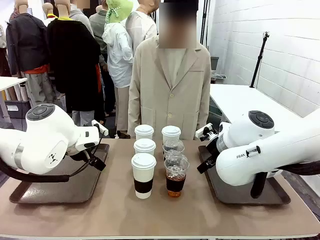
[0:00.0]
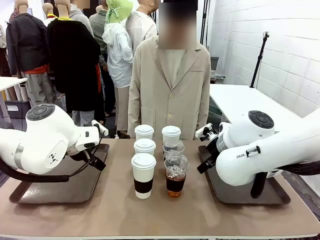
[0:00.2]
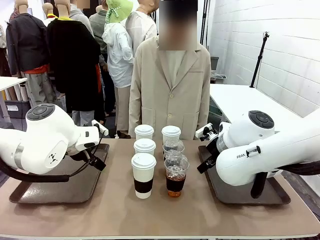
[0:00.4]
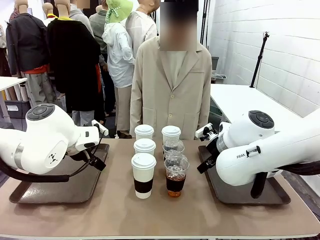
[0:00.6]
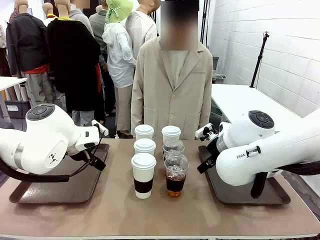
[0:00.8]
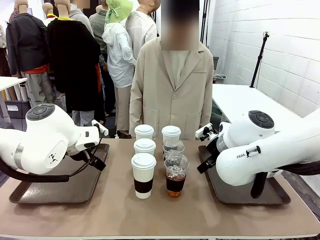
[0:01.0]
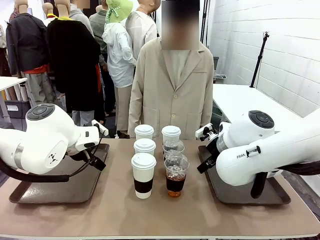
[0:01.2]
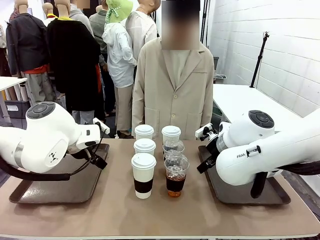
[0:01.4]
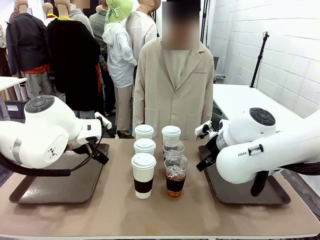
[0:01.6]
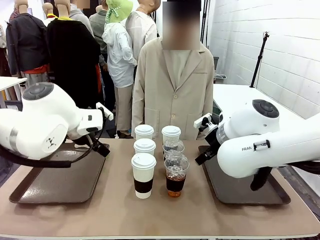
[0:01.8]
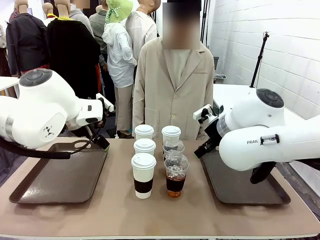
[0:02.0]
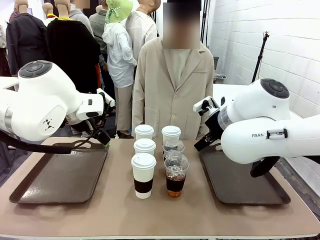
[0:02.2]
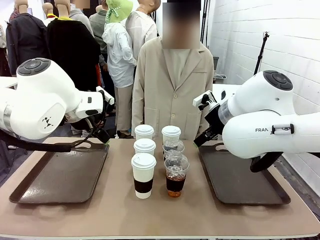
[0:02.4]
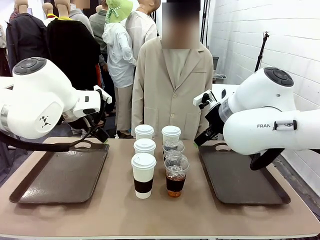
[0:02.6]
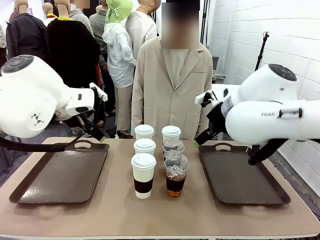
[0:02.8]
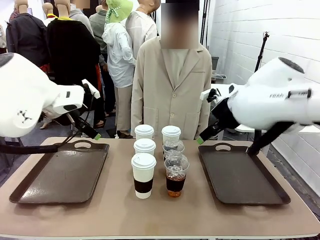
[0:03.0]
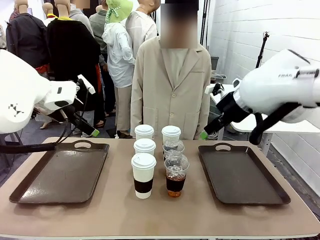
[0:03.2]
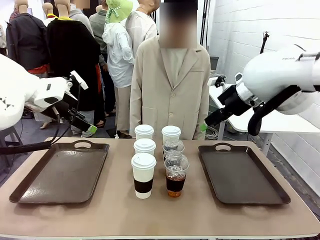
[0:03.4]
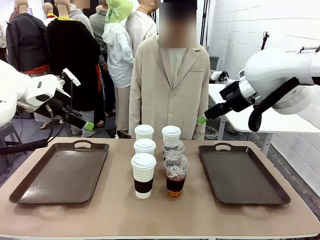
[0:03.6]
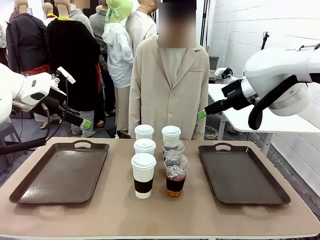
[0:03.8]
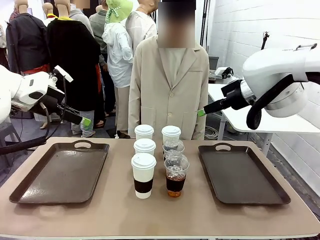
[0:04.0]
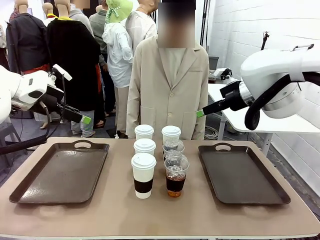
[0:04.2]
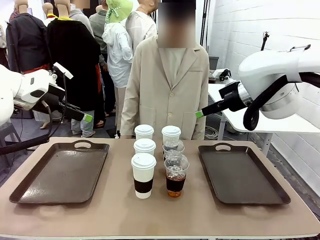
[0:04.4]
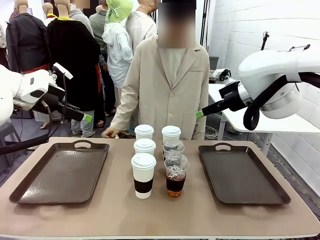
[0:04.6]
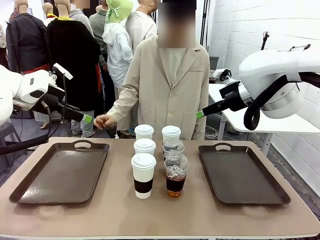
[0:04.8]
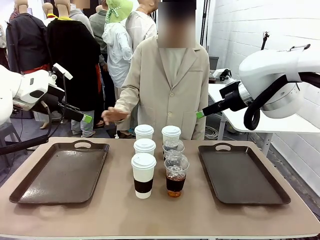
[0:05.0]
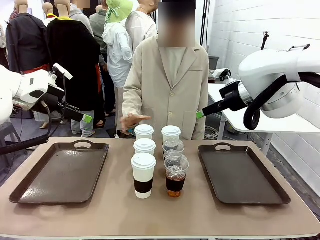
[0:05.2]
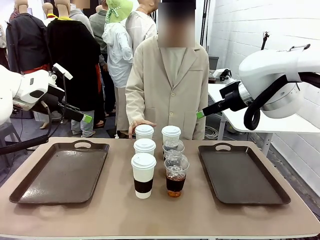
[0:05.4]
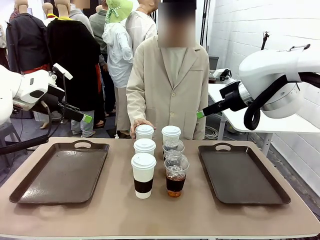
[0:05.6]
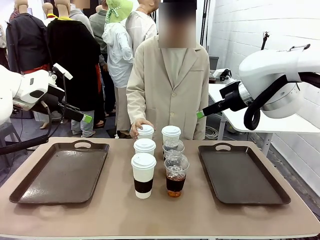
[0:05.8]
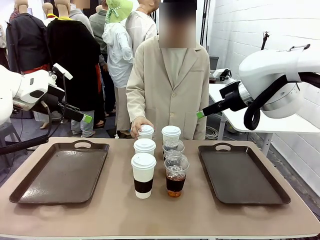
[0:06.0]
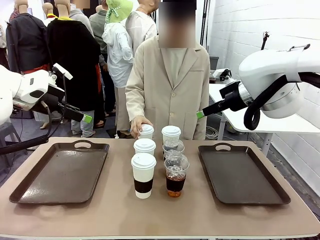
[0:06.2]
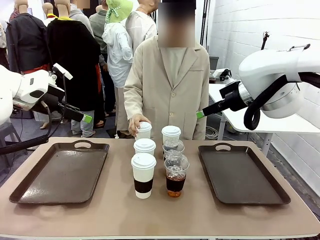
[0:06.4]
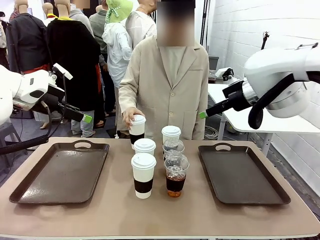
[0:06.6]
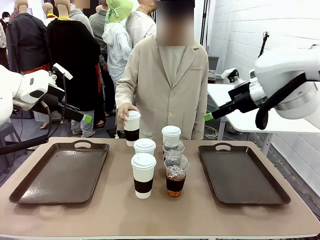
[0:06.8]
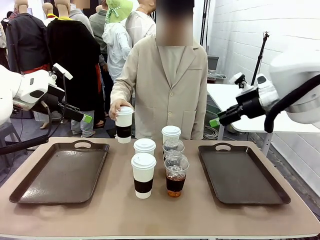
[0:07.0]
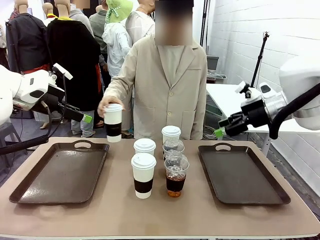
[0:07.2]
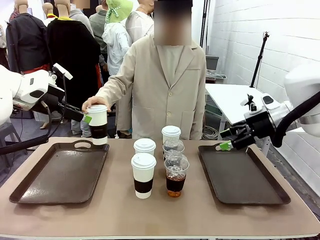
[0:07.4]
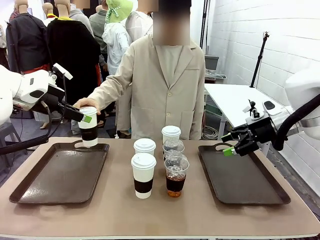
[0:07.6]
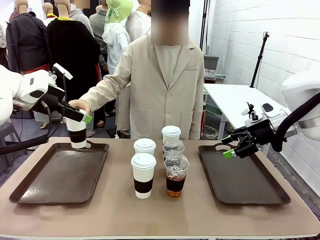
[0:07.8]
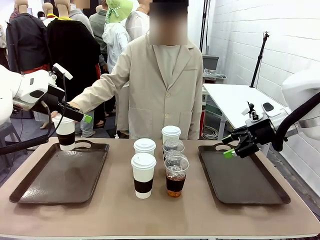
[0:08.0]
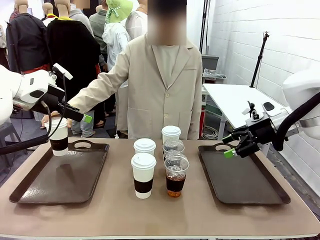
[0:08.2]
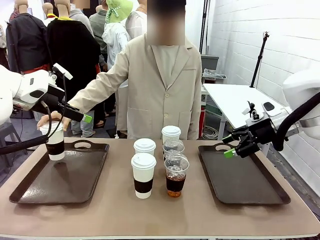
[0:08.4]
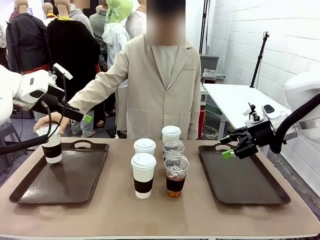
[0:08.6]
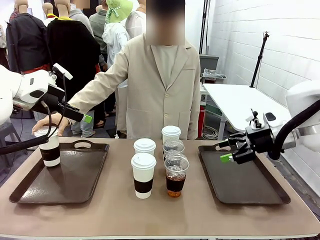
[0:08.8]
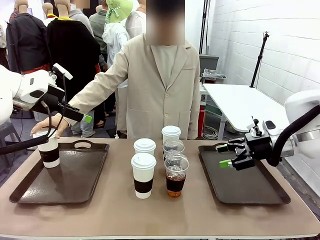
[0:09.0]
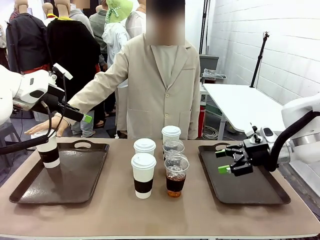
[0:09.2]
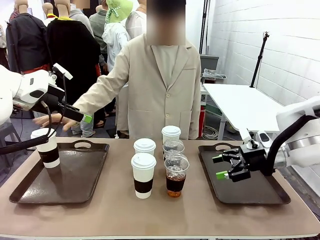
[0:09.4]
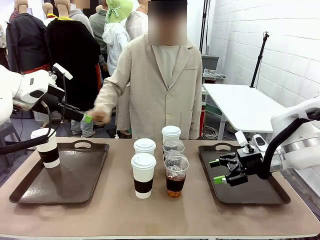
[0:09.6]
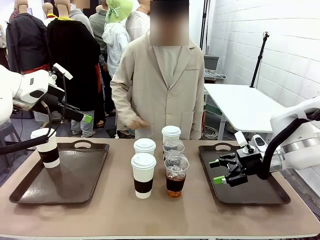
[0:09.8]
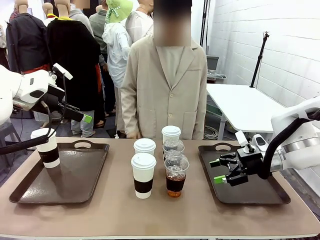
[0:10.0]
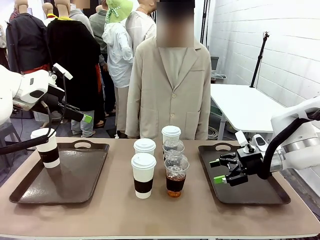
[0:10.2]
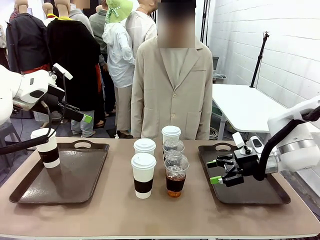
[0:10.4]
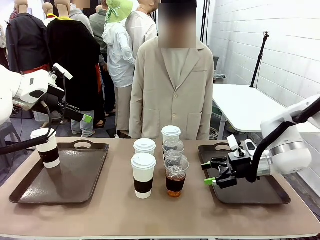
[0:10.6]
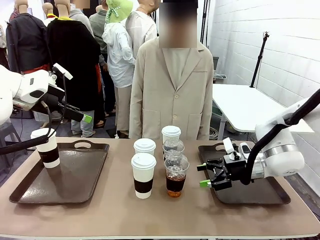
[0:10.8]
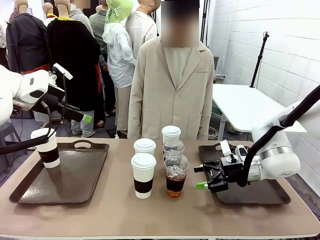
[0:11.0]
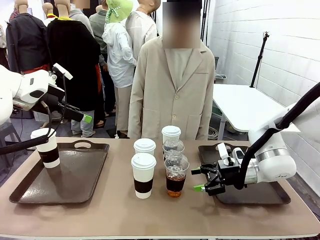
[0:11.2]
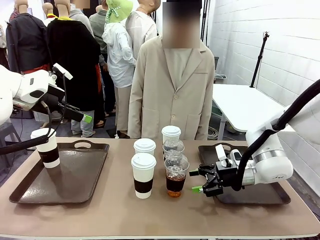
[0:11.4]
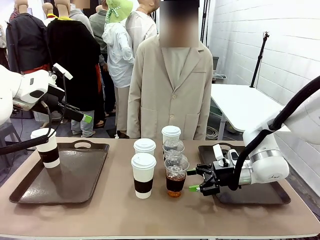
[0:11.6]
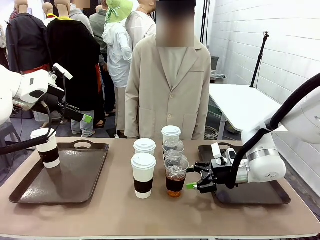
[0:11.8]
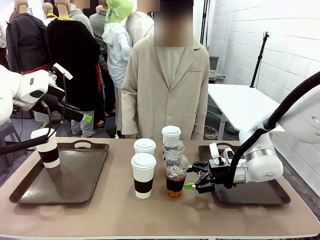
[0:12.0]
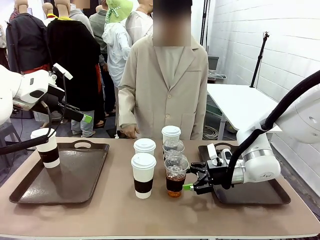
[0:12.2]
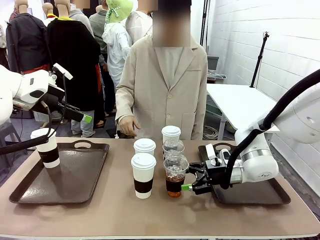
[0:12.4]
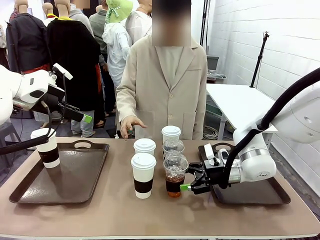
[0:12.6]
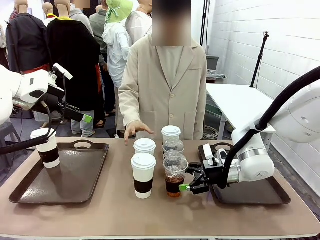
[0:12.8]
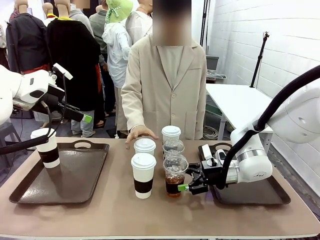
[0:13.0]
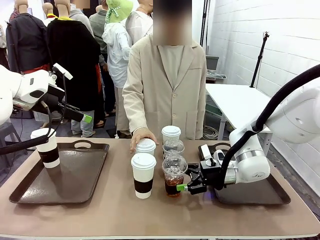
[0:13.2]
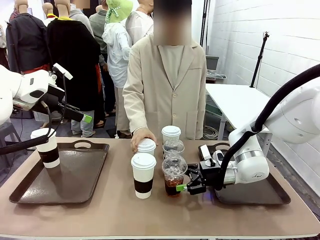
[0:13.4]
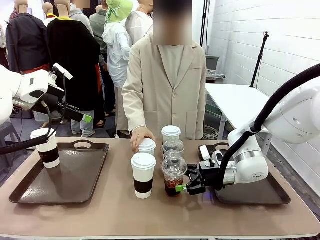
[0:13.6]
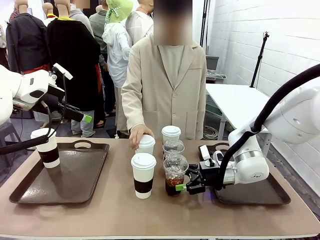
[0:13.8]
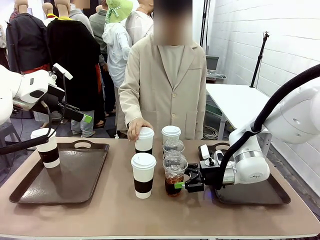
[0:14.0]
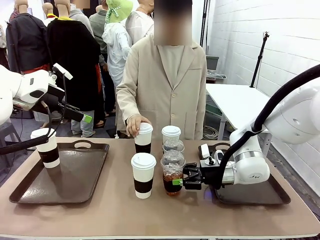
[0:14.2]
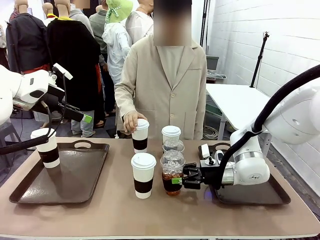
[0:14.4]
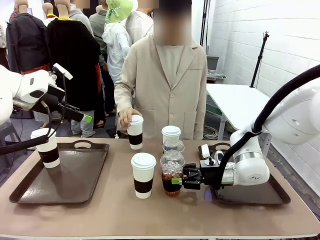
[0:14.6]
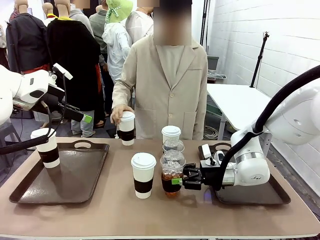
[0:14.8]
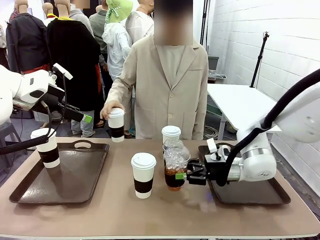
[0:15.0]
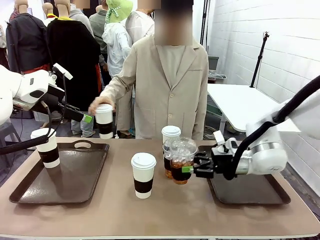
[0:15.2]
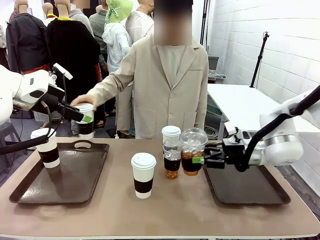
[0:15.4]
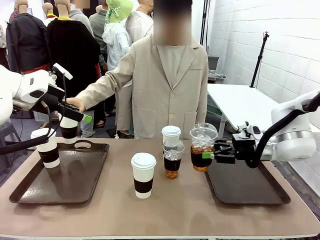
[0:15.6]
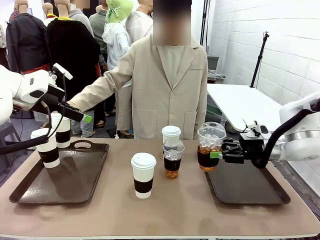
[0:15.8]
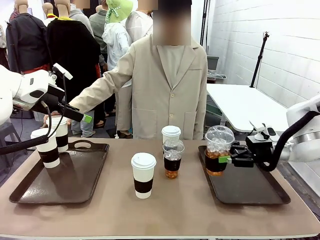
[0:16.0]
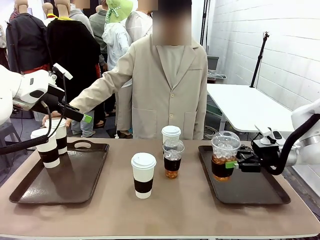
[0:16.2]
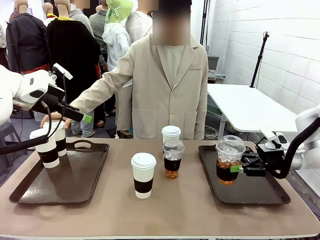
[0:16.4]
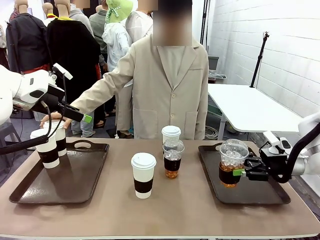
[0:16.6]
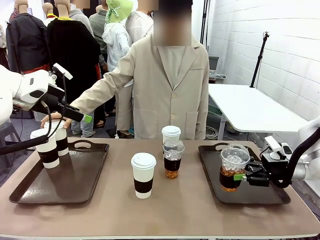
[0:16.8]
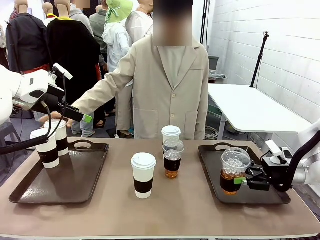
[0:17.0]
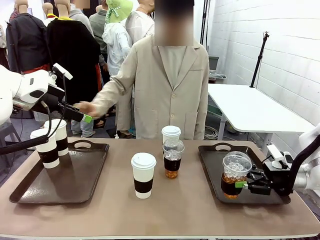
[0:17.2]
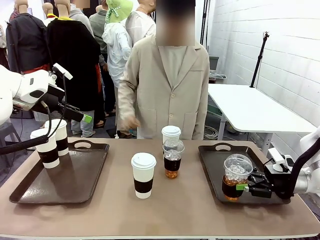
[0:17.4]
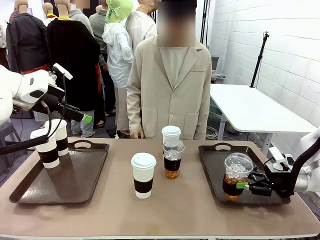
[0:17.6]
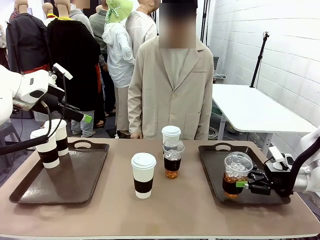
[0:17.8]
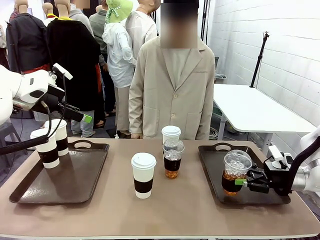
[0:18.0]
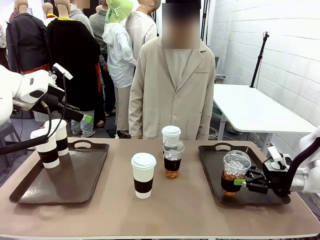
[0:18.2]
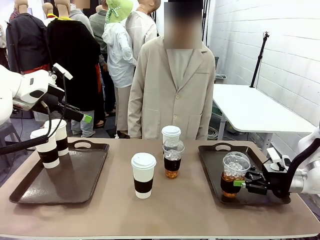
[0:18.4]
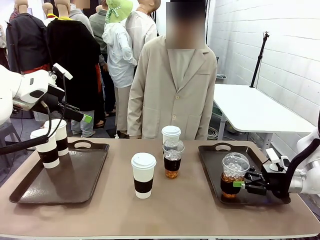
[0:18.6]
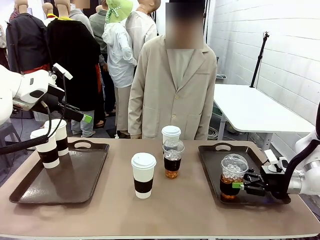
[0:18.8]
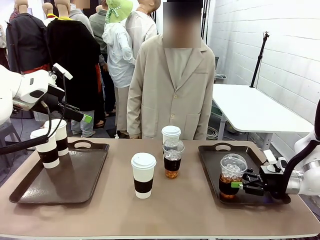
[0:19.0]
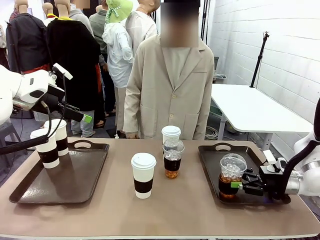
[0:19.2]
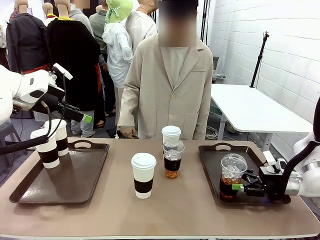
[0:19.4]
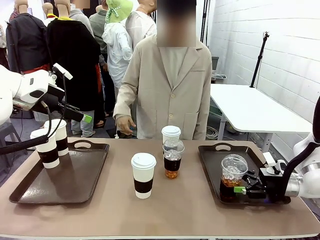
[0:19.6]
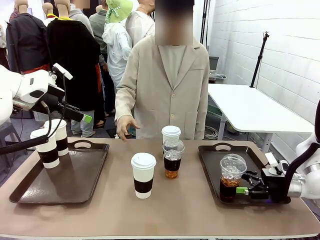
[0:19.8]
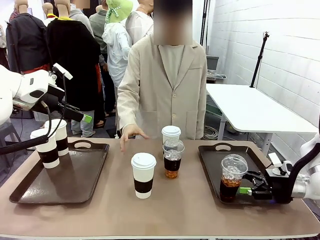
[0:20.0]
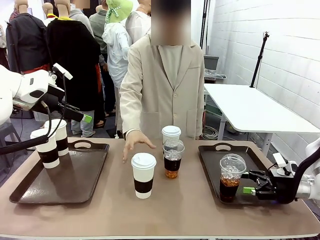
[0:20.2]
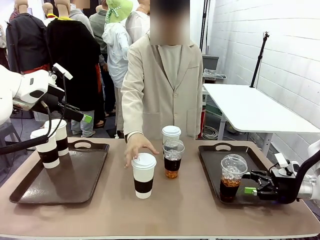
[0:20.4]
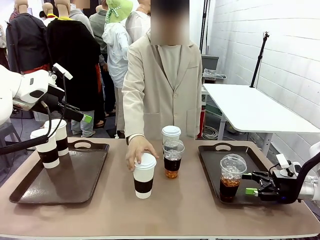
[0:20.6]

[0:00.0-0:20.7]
Task: Distribute the coffee onto the tray.
Robot: Pick up one iced Americano and place it on the right Handle tray.
Person: Pick up a cup of hot Americano and place it on the right tray.
